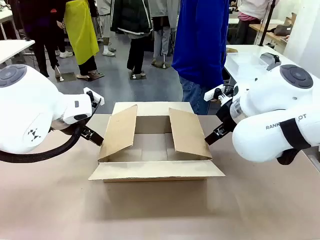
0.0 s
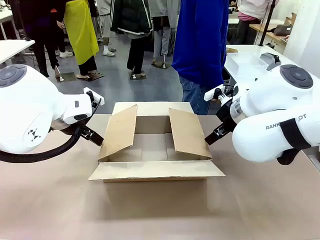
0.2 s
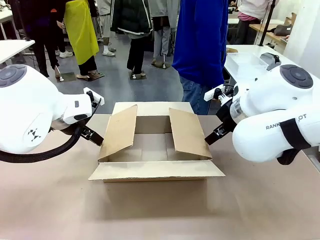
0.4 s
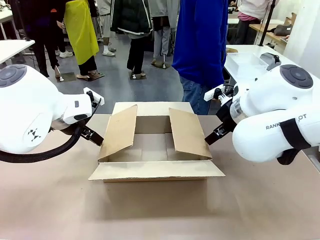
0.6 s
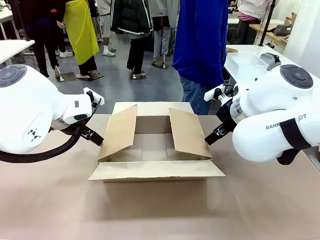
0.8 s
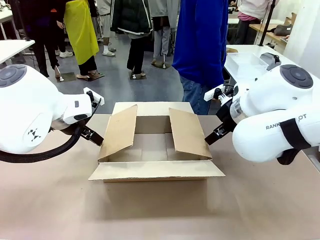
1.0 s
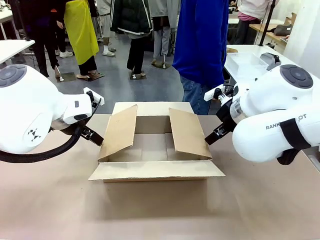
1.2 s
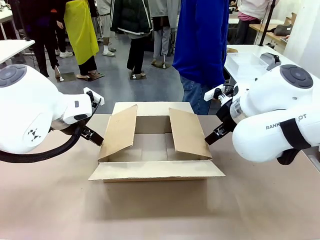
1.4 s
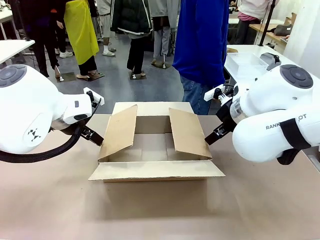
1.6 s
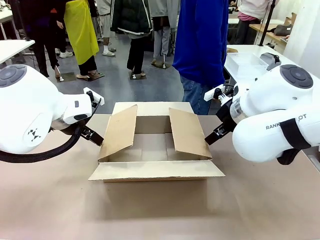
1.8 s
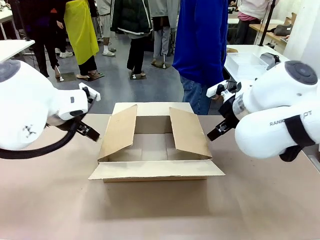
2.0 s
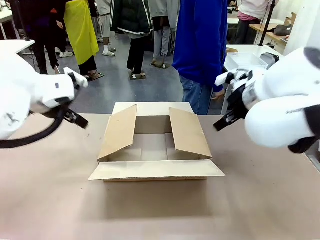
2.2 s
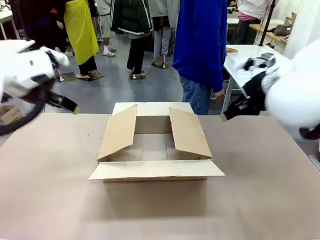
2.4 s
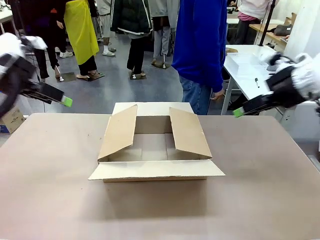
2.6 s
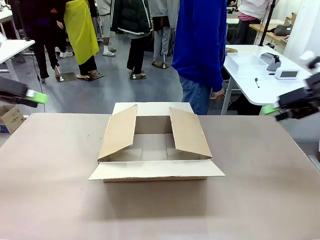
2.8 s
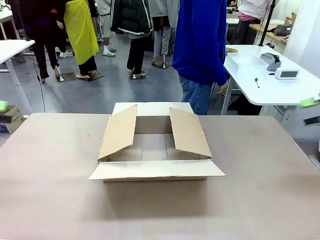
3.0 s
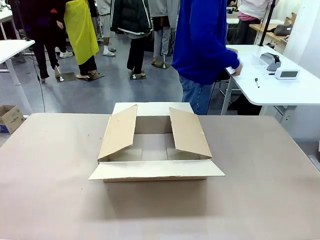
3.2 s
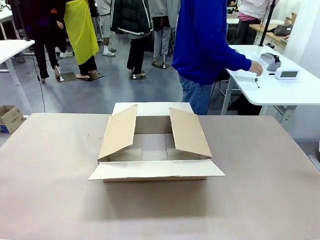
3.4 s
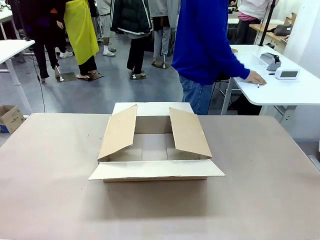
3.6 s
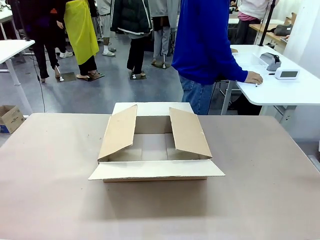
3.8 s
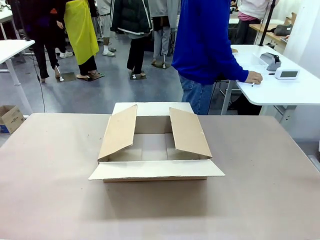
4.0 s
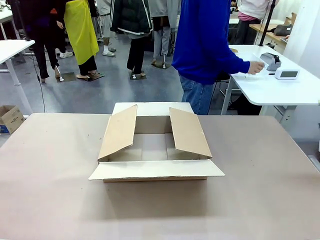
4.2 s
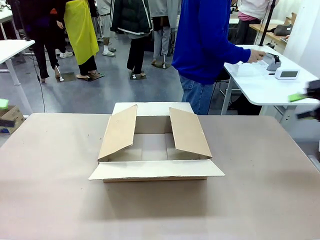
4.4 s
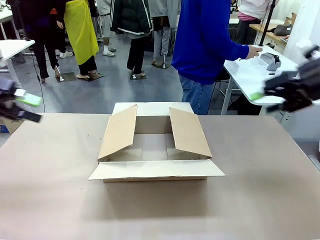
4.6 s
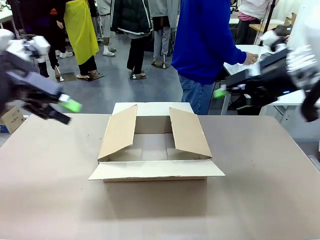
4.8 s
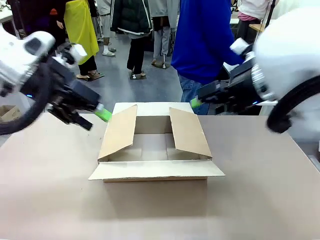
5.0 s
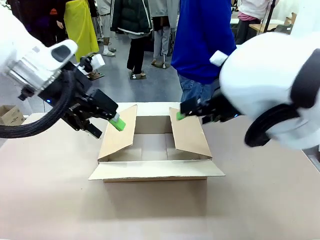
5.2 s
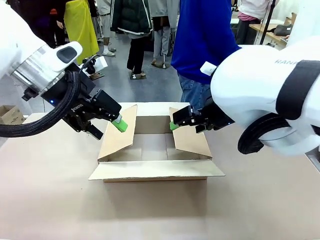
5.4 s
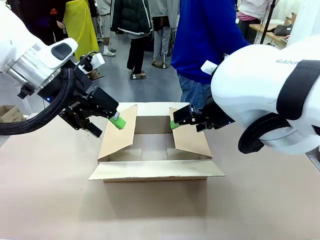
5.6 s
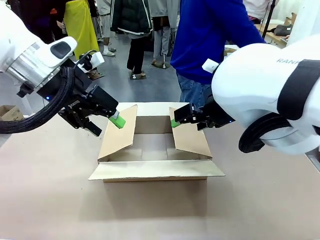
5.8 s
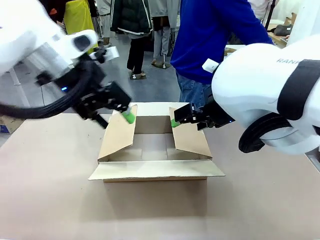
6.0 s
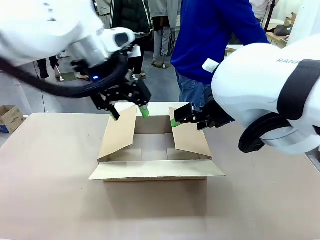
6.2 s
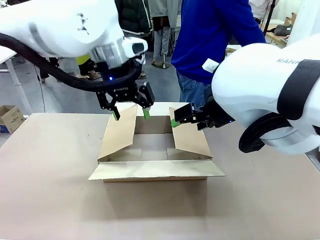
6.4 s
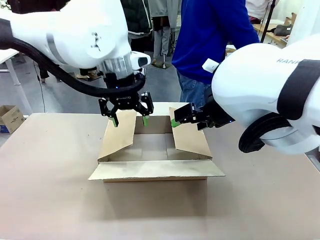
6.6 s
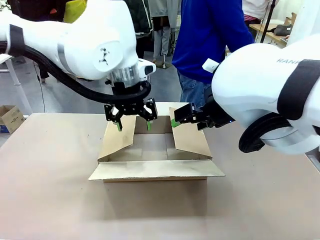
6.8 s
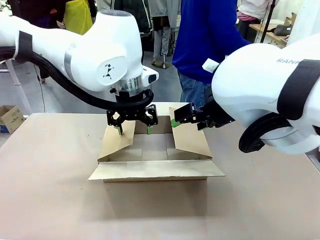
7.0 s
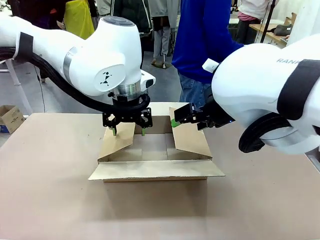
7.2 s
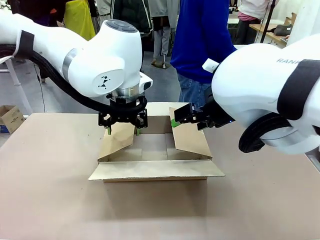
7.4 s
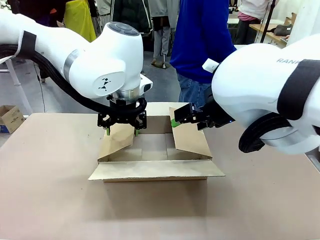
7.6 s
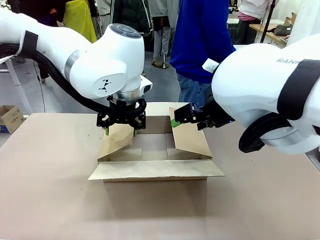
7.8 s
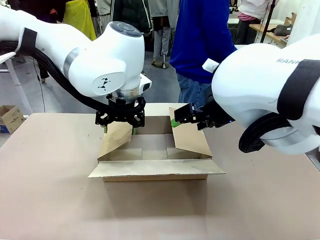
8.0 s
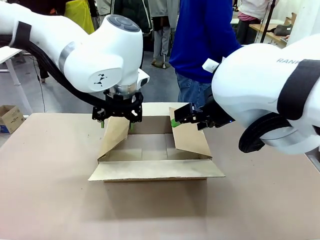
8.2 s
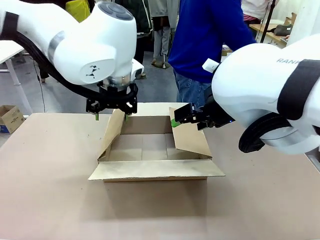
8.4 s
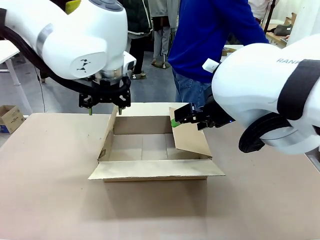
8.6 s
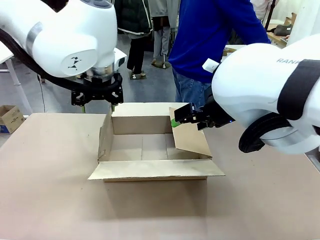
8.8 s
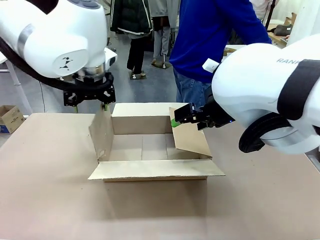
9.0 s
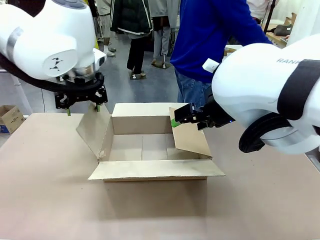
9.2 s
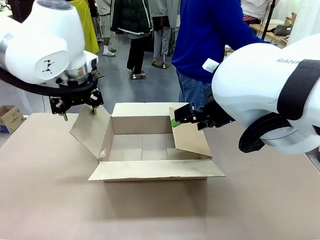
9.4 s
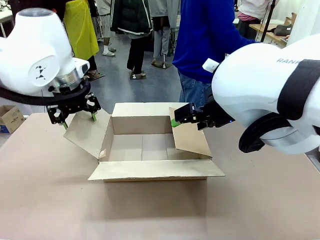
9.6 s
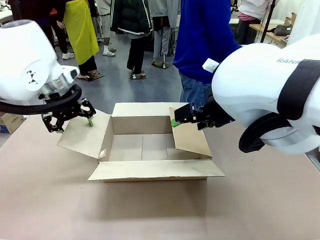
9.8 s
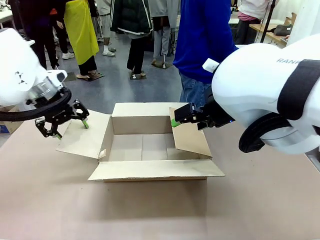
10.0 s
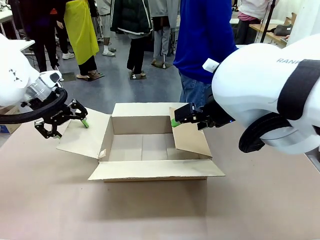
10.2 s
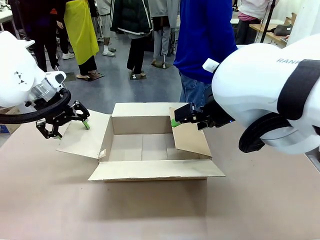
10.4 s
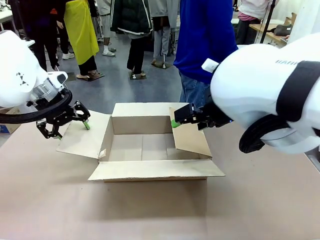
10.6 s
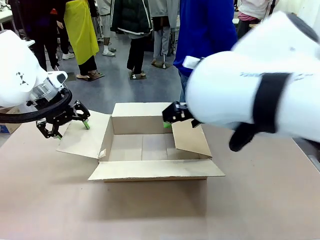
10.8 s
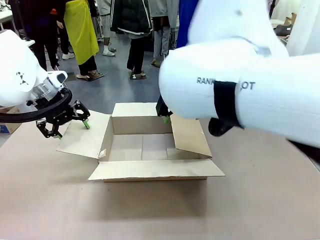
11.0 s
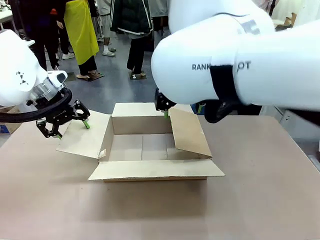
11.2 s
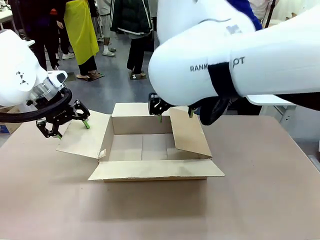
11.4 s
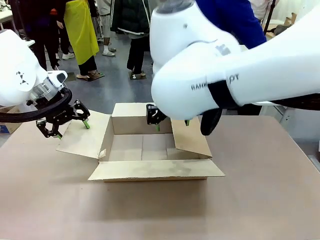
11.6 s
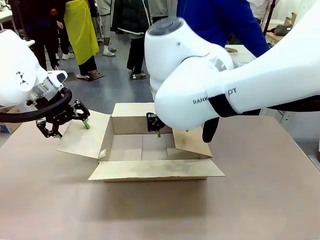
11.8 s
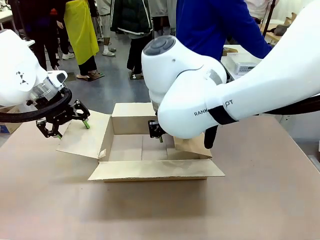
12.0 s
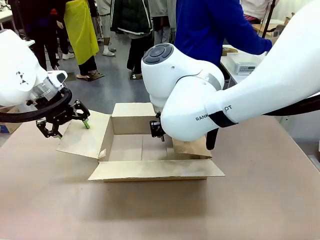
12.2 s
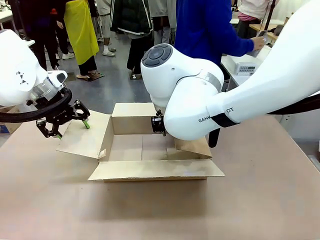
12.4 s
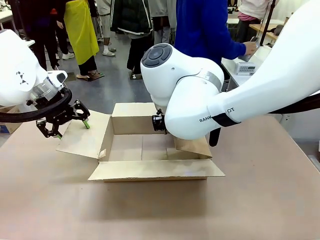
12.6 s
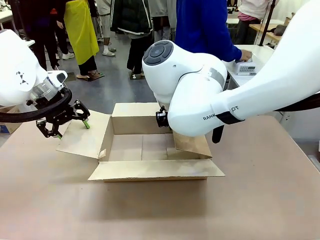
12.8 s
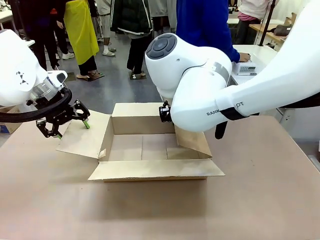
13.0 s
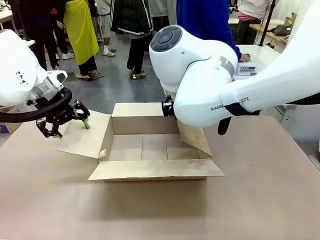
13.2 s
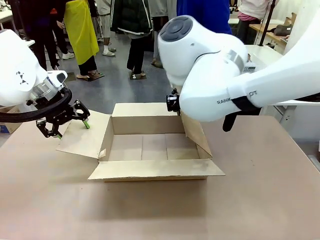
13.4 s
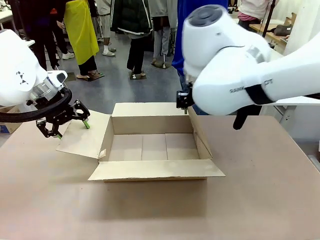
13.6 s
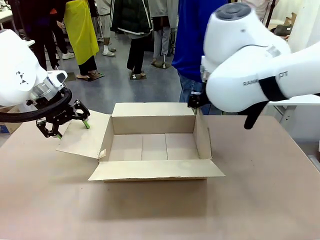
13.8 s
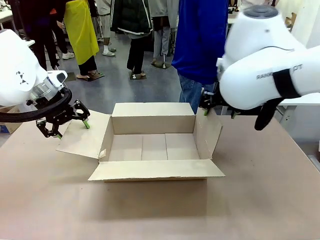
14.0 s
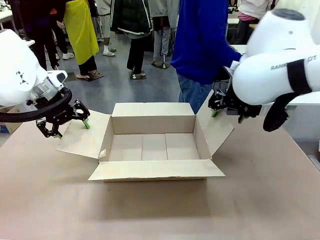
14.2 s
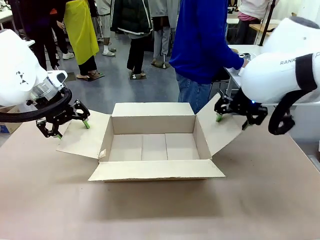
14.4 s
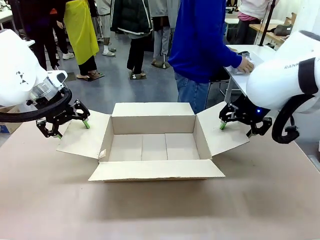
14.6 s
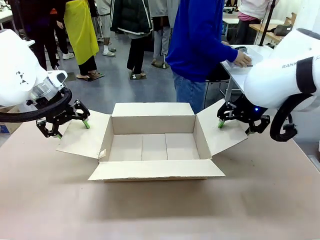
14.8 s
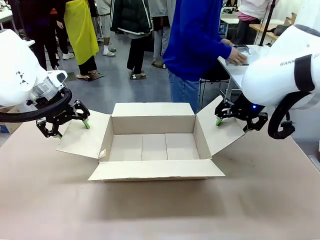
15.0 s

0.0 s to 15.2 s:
Task: Pack the gift set into the box.
Robot: Place both hands on the side flaps of the Package Box and spread them outward.
Person: The human places all items except the paper tape into the organizing basket.

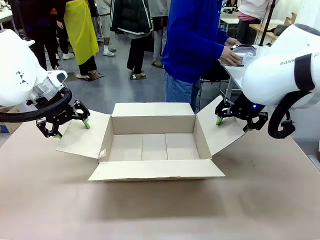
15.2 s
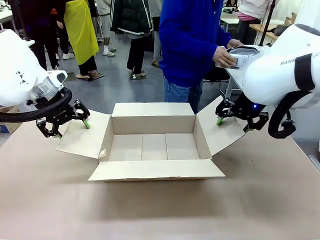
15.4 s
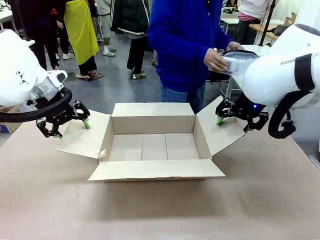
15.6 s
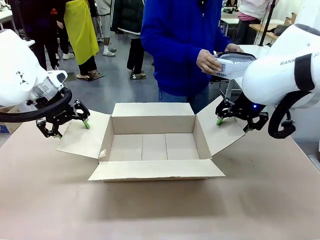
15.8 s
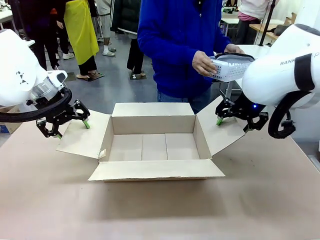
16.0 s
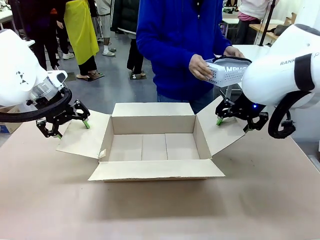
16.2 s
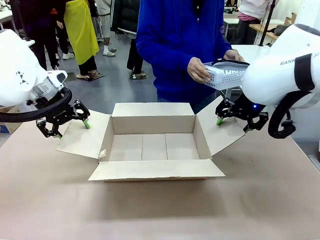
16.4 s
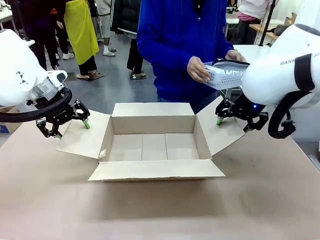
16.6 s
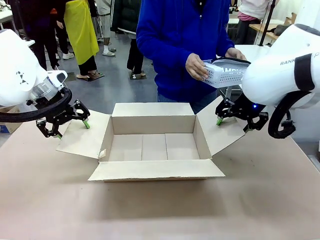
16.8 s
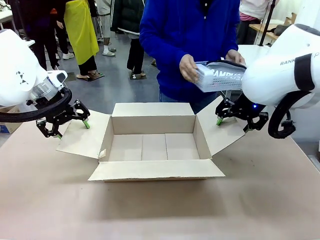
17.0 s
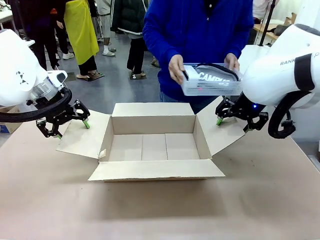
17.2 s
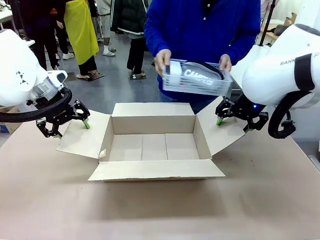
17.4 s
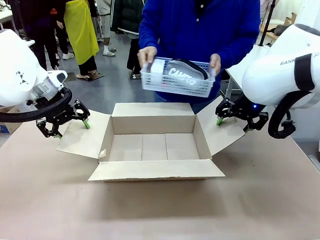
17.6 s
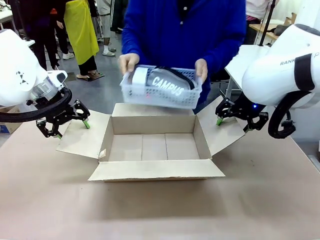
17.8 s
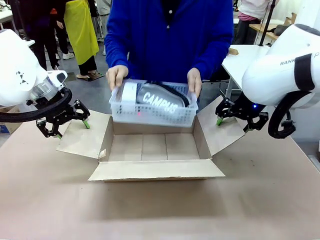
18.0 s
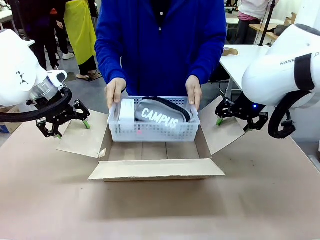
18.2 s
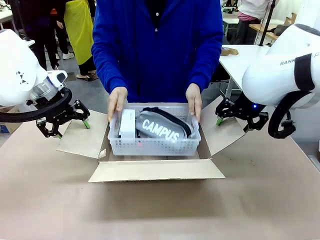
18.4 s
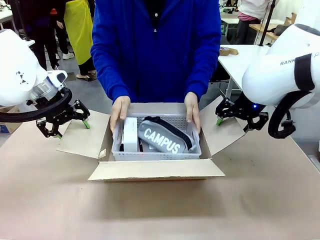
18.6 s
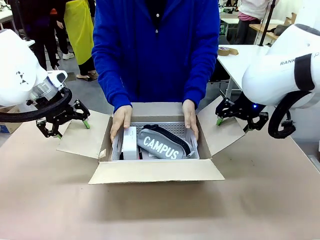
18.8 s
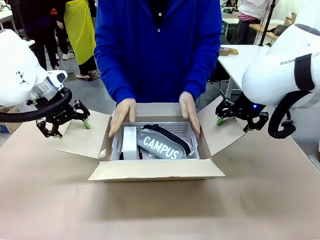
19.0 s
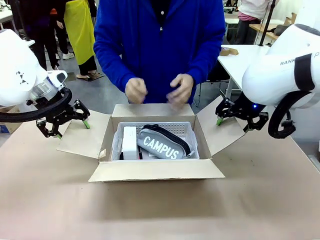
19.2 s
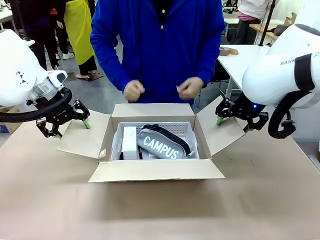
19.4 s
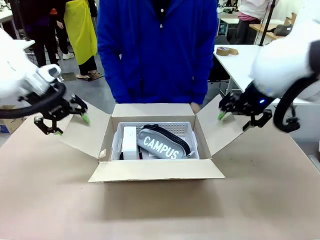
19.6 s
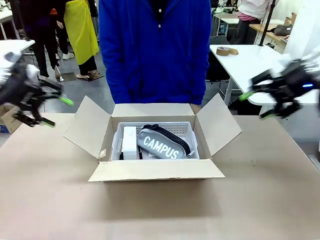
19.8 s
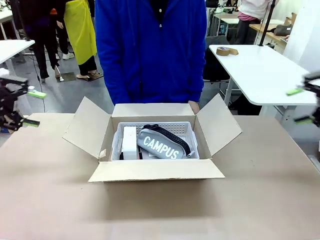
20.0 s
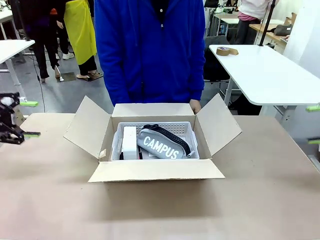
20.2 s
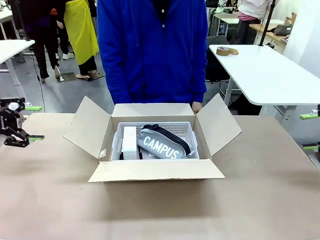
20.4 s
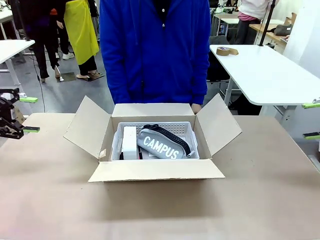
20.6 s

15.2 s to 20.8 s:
Robot: Lift both hands away from the flaps of the Package Box.
Person: The human picks up the organizing basket and places the organizing basket into the package box on the robot table.
